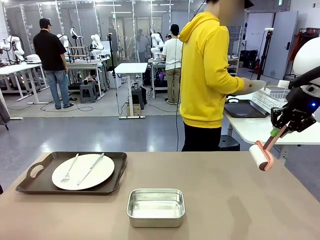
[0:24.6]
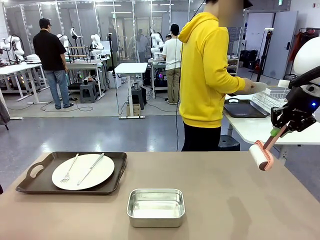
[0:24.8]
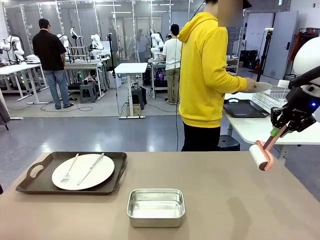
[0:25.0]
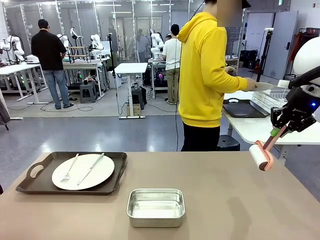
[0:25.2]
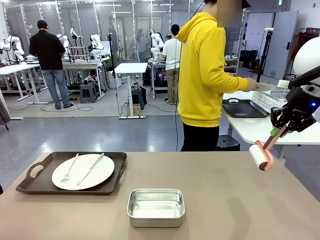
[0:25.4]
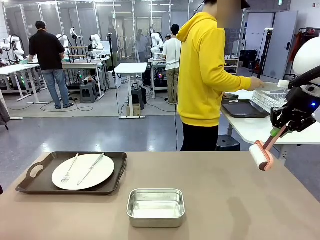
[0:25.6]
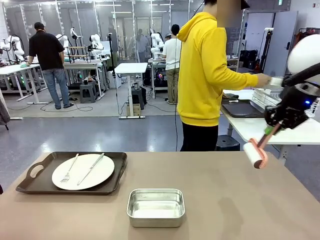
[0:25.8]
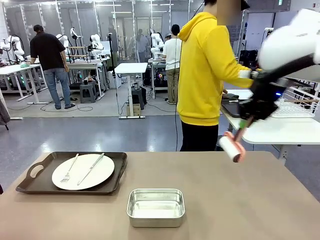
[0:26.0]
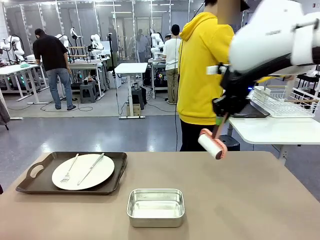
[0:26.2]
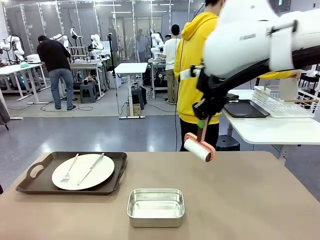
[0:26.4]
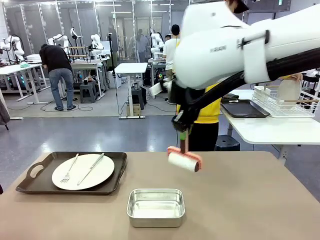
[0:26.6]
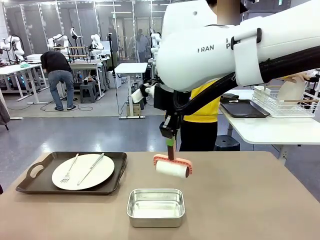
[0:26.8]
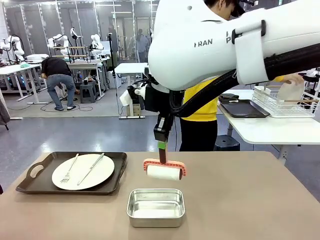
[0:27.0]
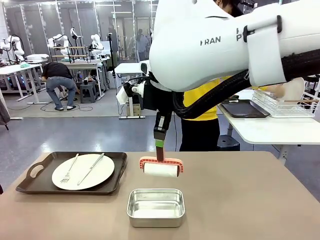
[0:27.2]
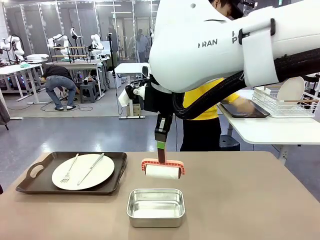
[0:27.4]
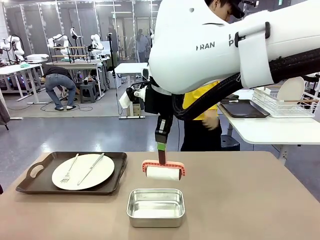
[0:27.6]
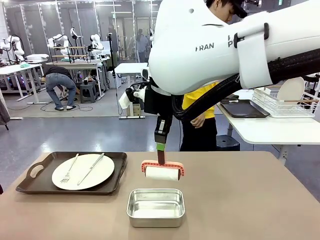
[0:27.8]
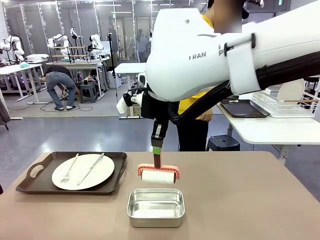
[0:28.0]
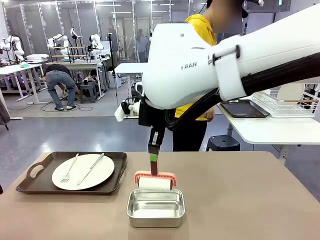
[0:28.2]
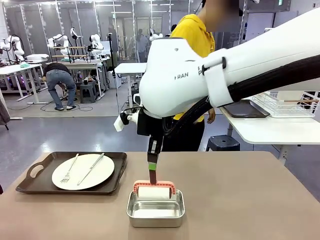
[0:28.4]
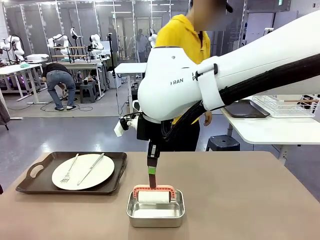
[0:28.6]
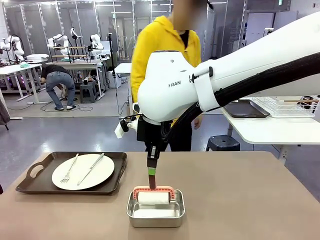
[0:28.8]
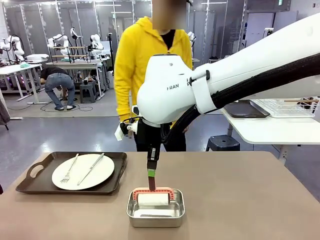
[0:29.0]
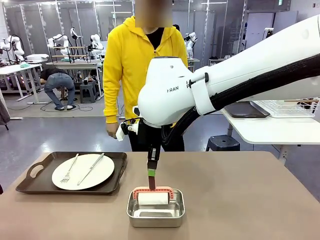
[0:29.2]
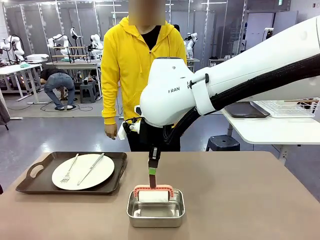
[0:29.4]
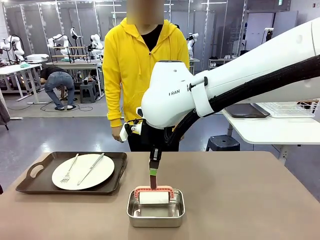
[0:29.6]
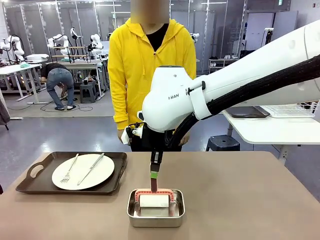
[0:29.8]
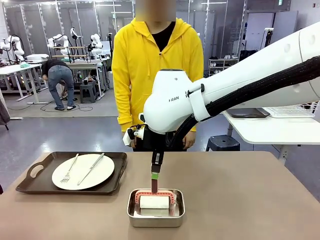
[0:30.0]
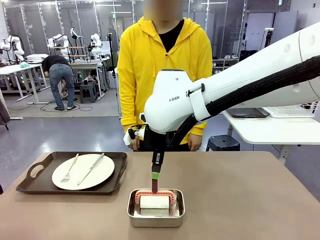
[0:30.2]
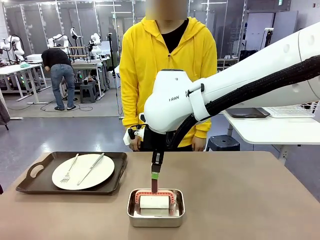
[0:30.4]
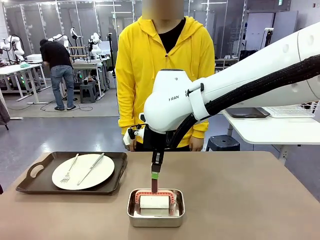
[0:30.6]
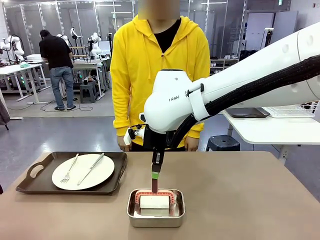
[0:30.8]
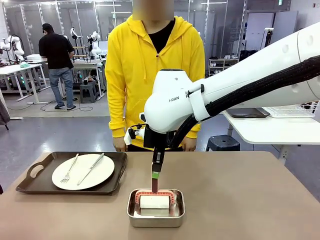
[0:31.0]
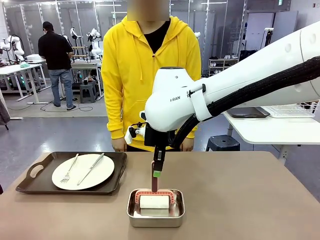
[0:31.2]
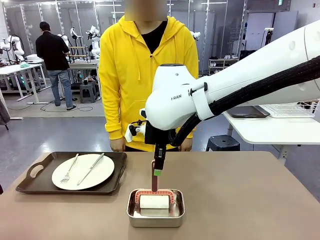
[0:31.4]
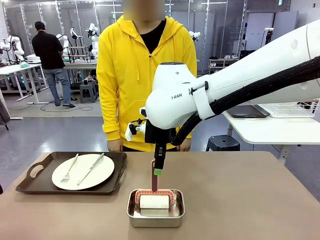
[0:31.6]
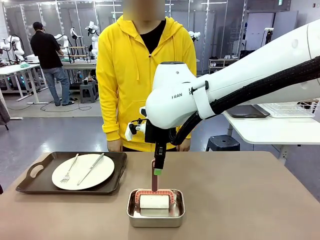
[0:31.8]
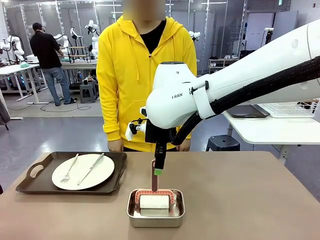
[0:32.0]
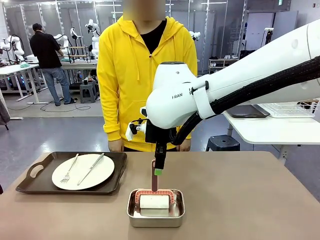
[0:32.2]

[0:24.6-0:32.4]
Robot: Place the Lint Roller back on top of the Airtight Container.

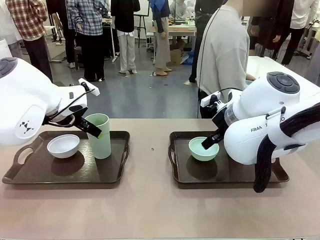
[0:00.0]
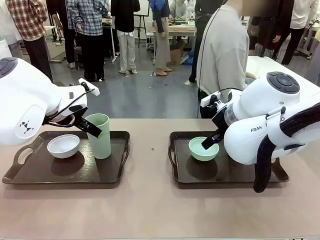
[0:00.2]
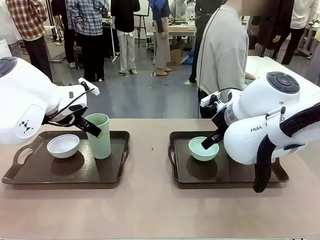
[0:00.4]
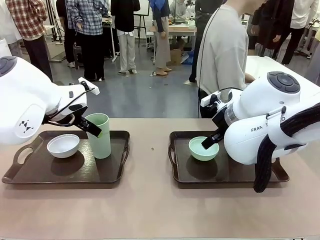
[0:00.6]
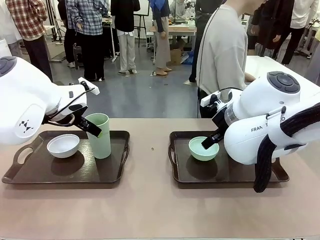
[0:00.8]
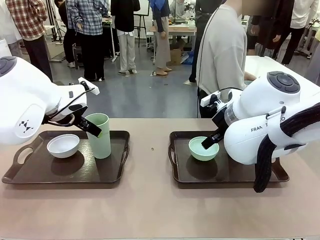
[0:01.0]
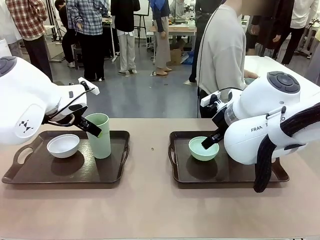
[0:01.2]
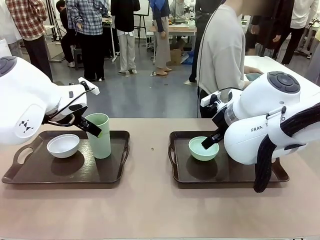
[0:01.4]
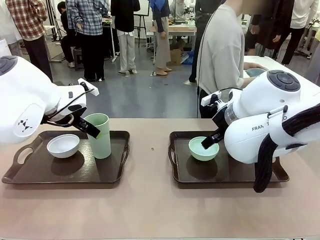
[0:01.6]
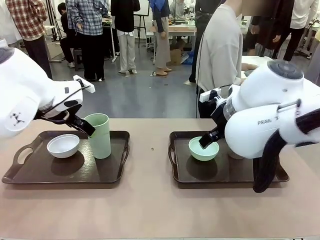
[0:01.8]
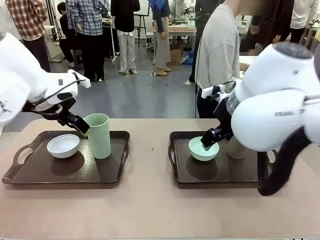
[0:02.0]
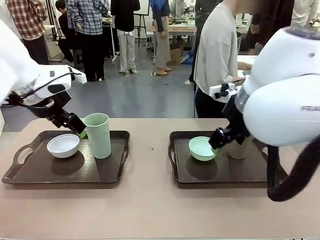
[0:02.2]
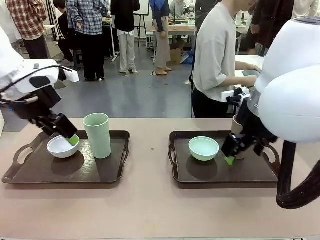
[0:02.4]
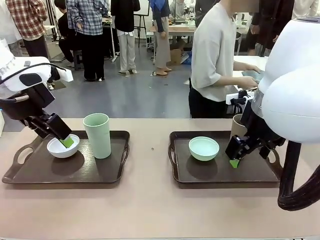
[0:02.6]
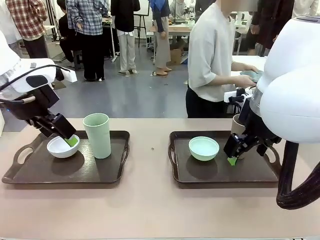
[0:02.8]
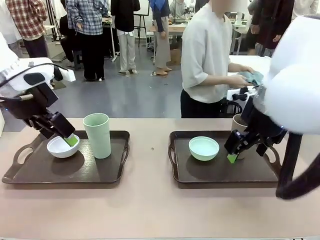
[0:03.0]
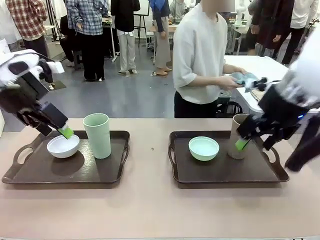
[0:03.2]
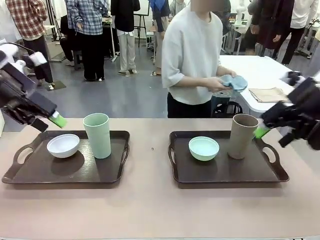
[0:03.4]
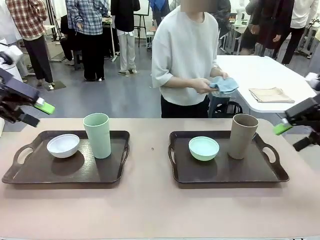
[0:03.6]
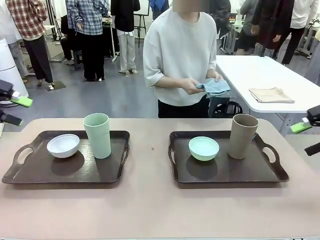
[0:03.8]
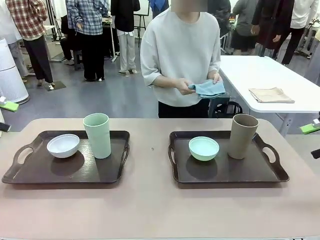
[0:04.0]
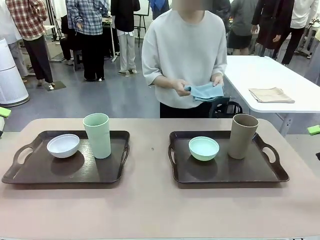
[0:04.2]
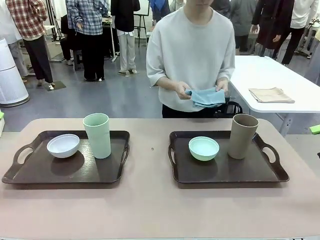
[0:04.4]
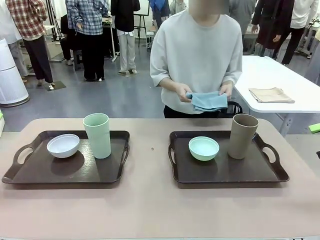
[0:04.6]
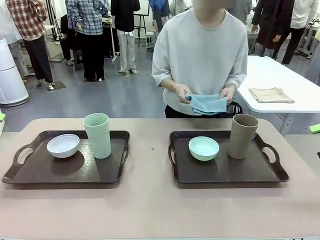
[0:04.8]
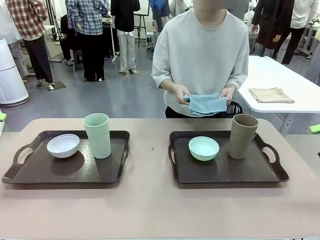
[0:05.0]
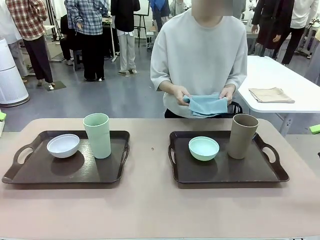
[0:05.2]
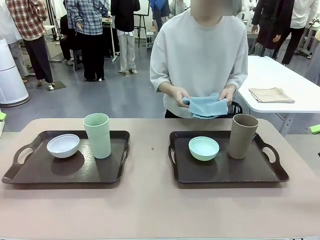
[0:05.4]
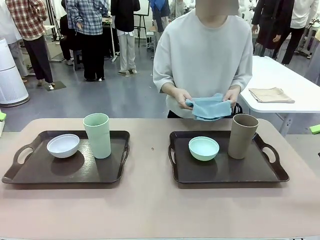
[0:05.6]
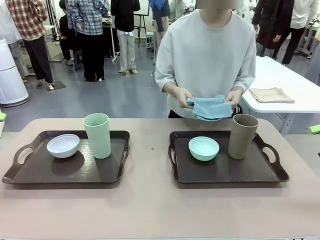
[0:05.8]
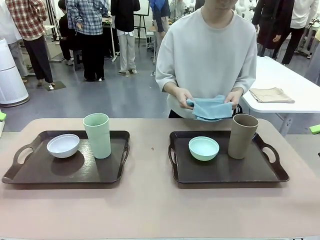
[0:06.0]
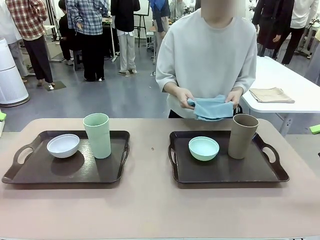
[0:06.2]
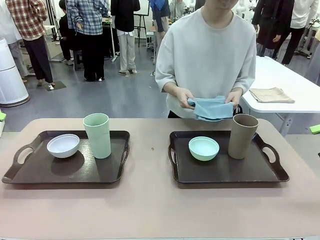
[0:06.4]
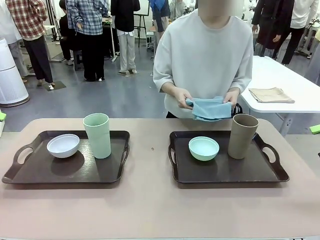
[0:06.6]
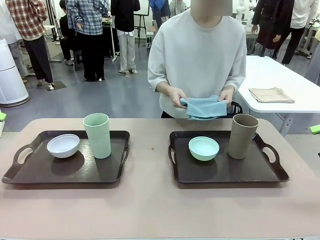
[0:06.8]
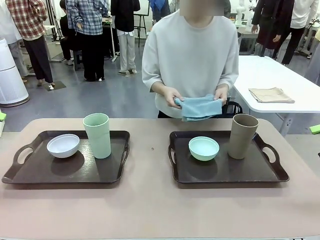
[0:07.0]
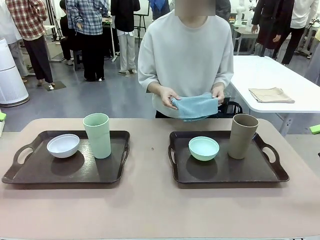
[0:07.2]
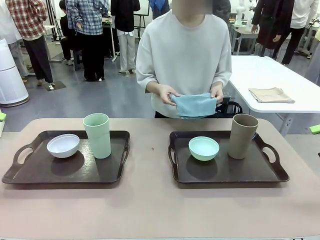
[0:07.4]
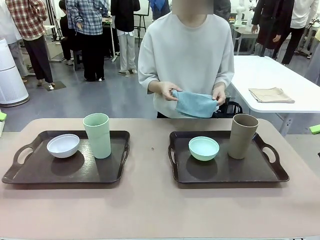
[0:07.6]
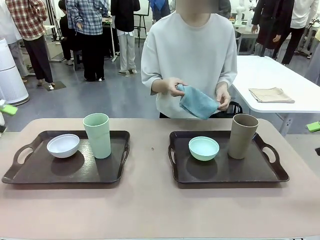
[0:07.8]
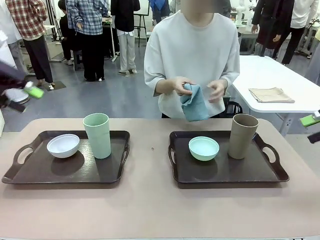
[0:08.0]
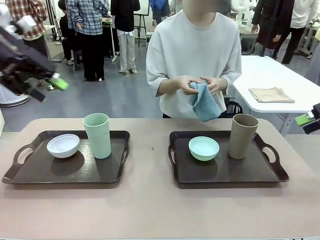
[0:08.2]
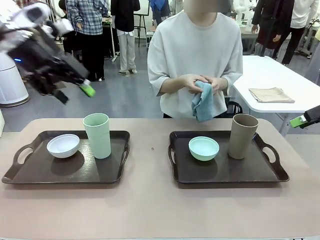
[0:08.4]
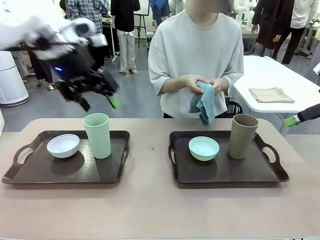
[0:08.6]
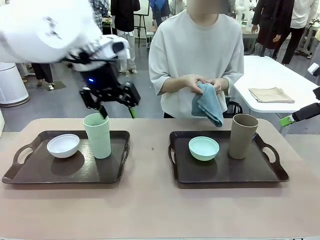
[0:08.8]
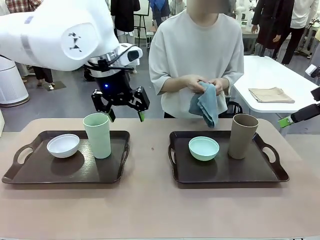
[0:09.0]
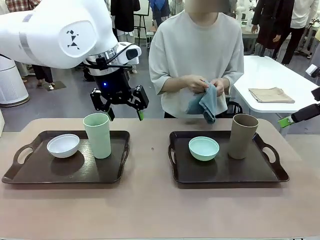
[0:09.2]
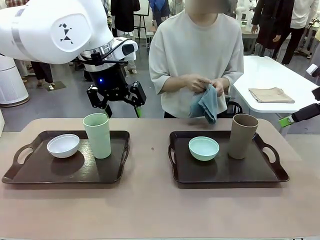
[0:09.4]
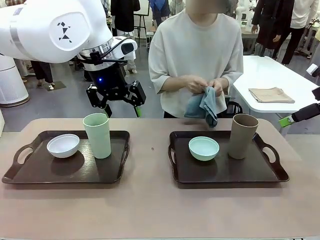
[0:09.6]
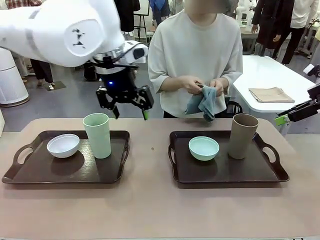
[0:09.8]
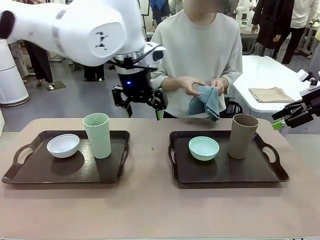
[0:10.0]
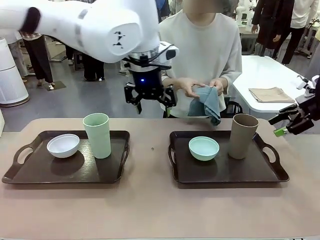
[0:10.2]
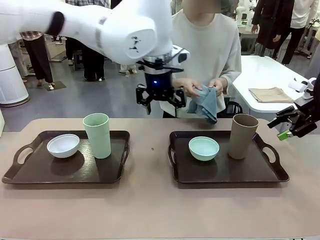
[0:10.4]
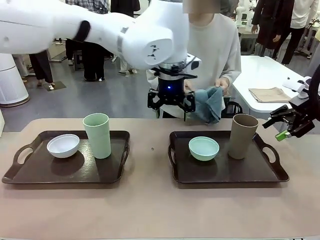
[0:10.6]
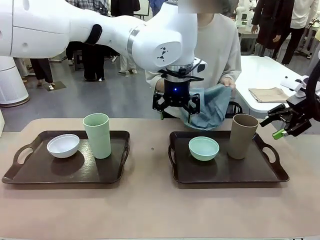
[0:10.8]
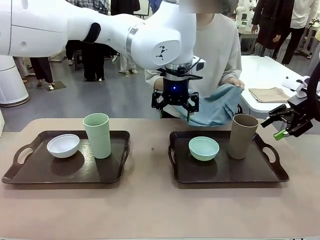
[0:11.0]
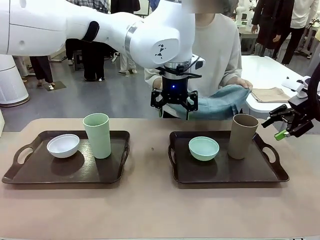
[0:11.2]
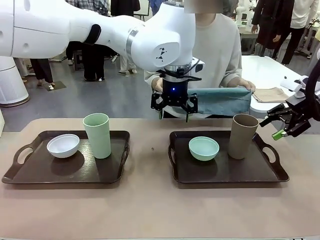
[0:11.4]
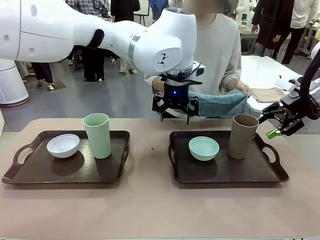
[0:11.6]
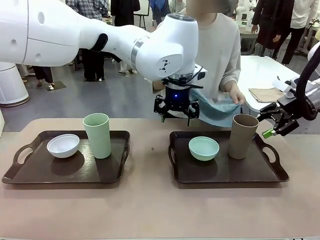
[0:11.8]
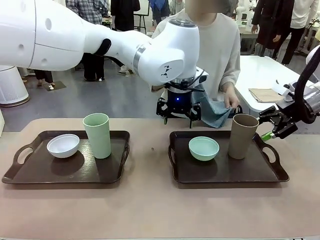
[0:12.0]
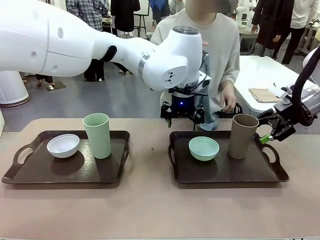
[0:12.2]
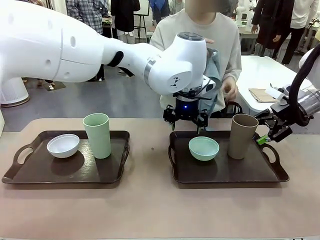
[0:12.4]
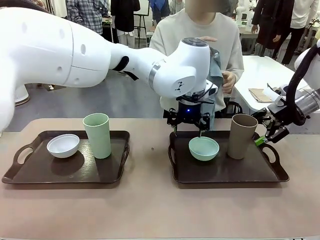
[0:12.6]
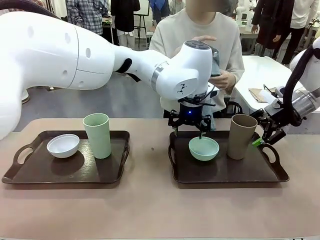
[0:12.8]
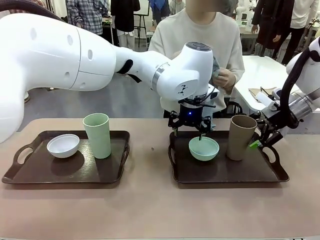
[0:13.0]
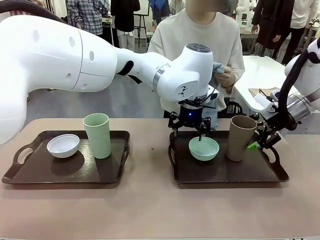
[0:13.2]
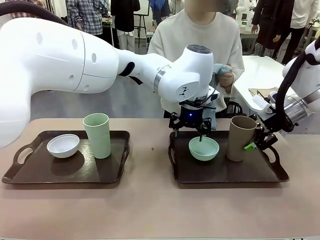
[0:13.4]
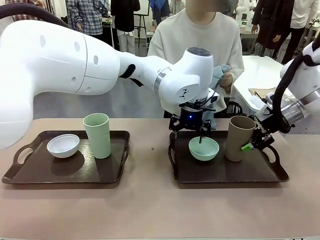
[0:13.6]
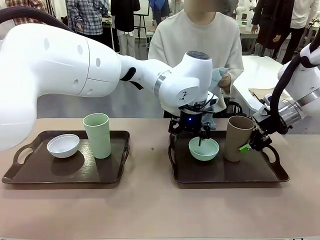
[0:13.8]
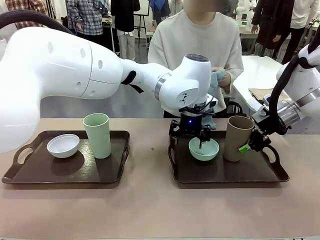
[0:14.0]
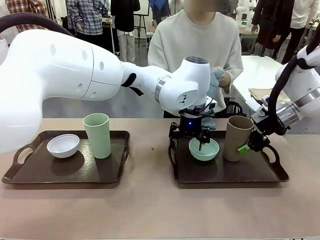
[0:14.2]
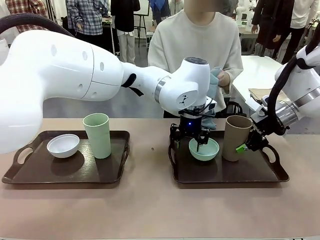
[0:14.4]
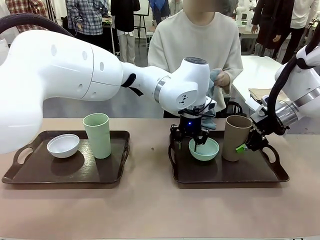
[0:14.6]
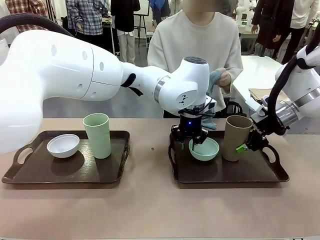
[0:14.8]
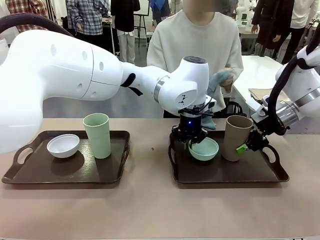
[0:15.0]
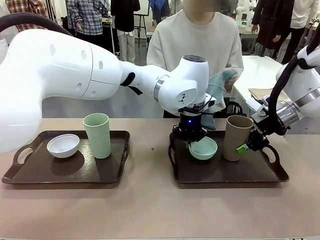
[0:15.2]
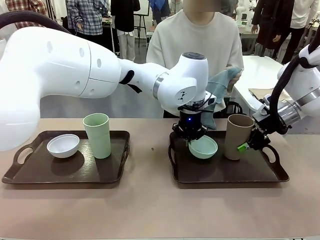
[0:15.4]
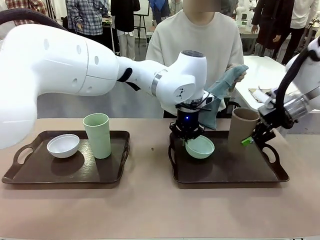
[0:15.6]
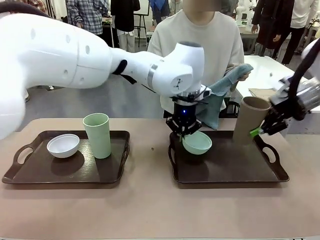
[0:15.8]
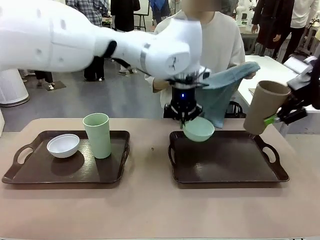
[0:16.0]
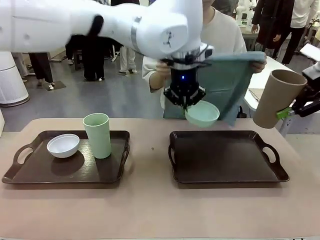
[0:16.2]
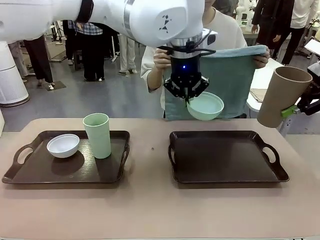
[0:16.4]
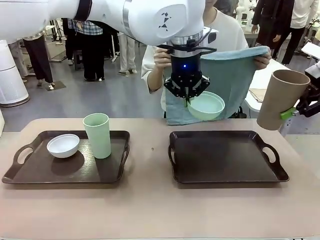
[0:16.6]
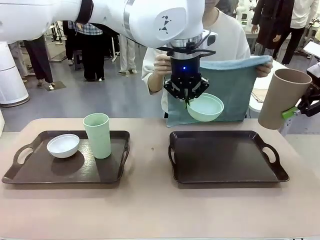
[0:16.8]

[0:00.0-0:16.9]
Robot: Pick up the Picnic Bowl and Reusable plastic cup from the Handle tray in front of the human's position and hold them in the air.
Person: The human picks up the top napkin from the stack on the human table and walks to the robot table to stand in front of one of the two trays. When the robot lifts the bowl and the cup, the human unfolds the napkin and lays the napkin flat on the tray.
